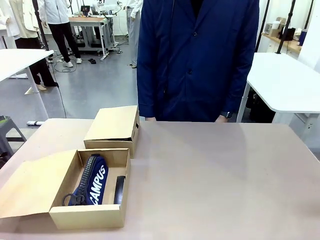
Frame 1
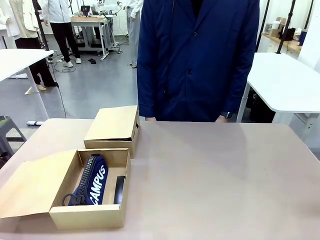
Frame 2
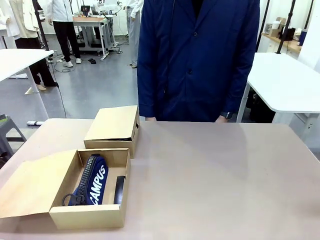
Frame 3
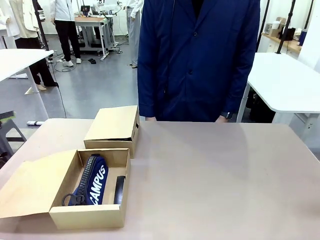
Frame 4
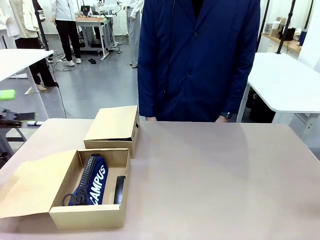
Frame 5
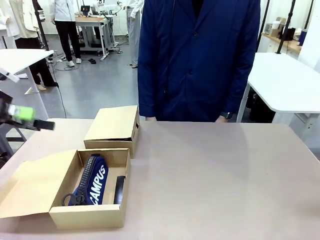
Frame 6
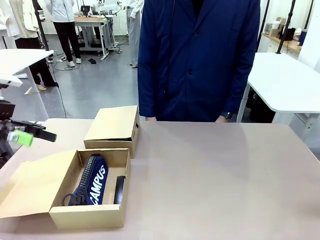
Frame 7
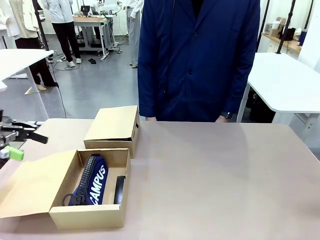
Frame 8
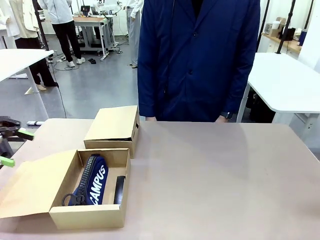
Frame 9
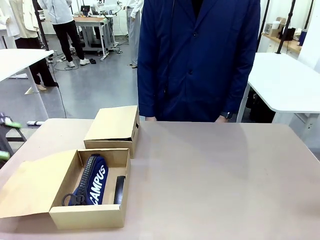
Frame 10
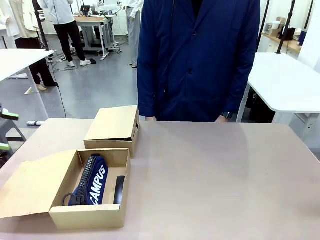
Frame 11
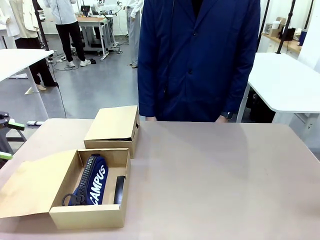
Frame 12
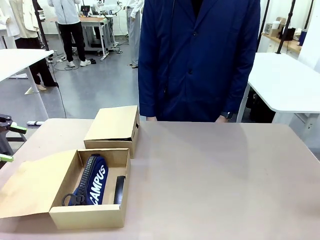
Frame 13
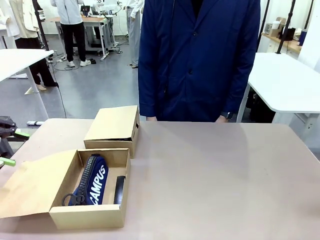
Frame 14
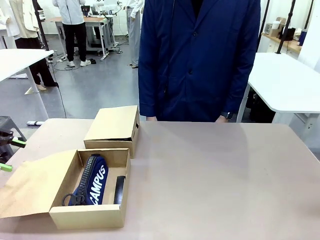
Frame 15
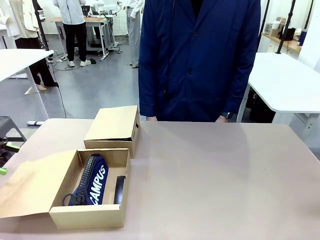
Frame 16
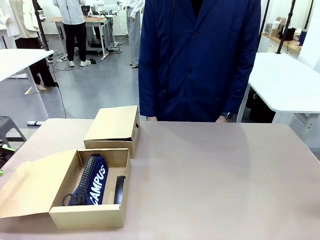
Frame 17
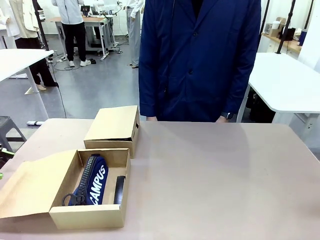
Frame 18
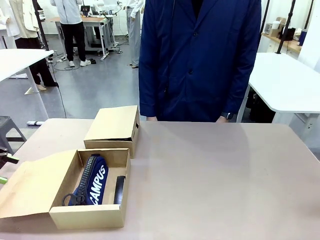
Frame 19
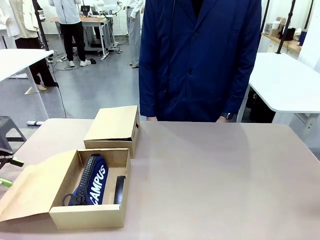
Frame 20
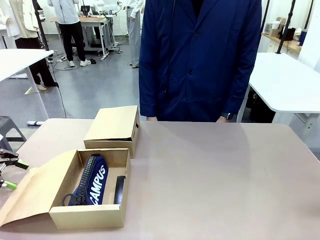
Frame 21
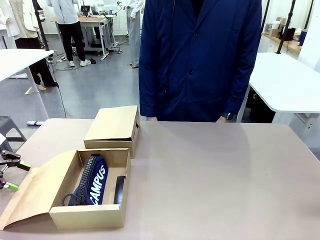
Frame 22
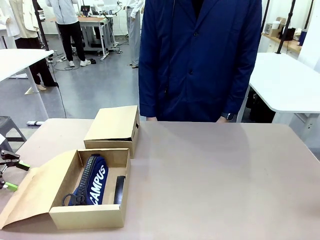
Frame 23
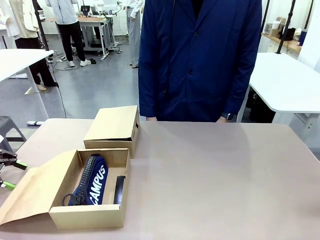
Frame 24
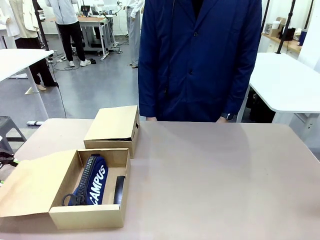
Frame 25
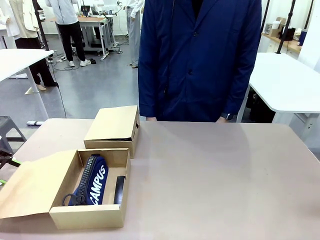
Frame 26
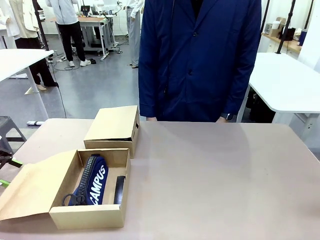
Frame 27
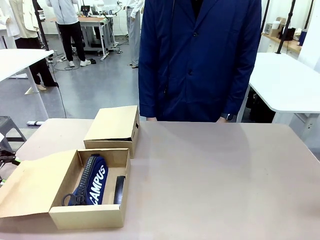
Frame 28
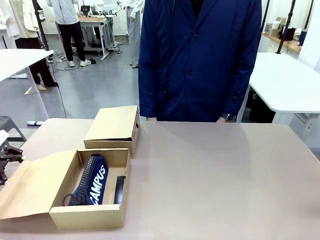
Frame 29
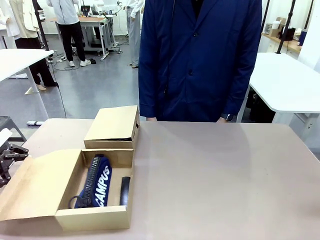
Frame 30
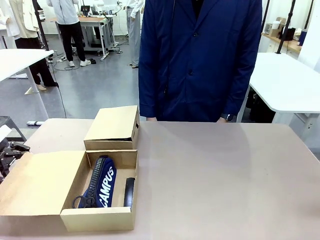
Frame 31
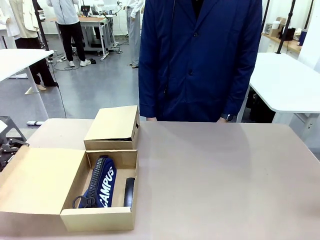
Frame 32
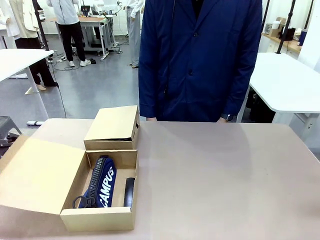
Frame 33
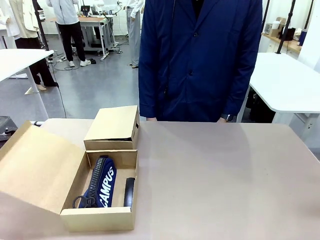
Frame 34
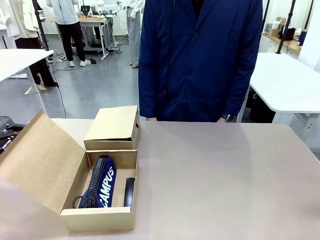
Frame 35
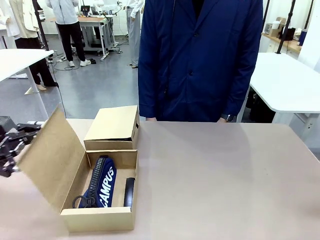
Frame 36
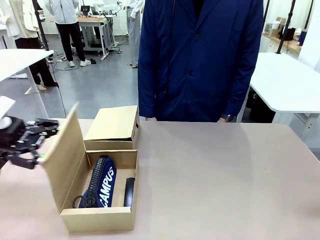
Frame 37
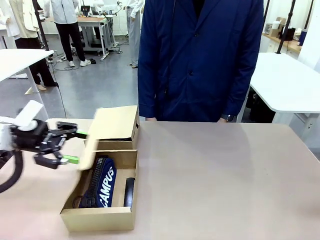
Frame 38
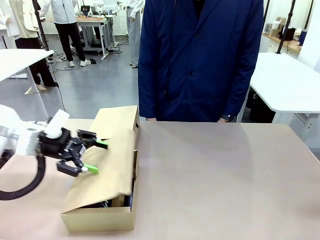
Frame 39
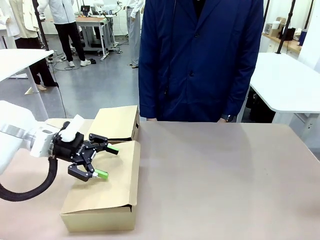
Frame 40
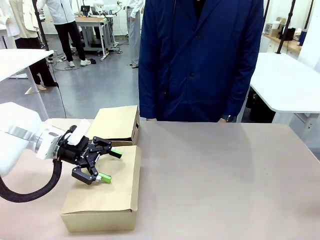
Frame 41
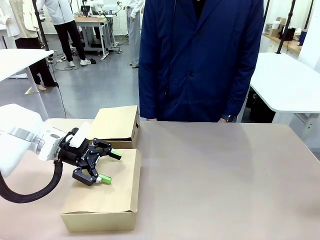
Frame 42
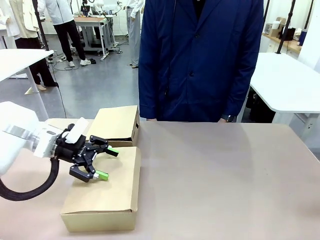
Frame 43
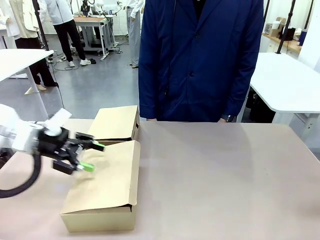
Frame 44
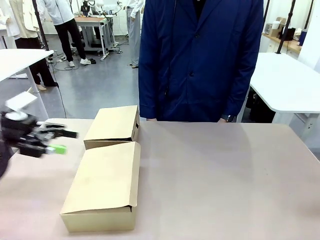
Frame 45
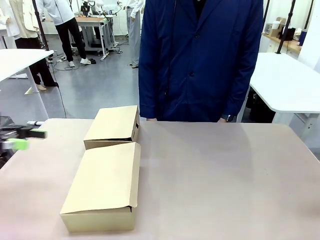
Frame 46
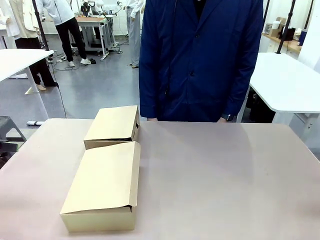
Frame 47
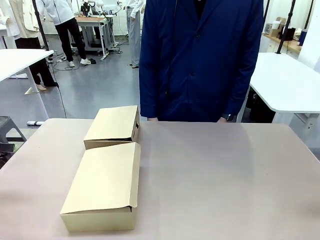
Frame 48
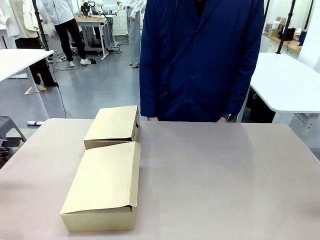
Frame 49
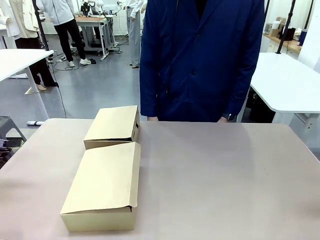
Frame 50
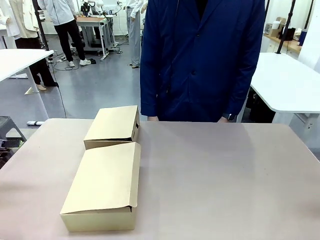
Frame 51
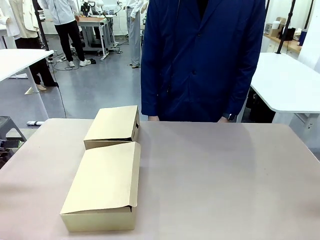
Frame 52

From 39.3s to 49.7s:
Task: Place items inside the box.
Robot: Close the lid of the Mailer Box closest to the robot.
